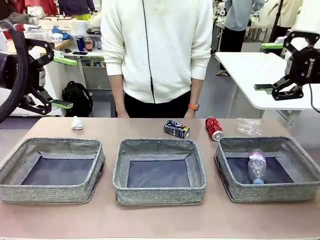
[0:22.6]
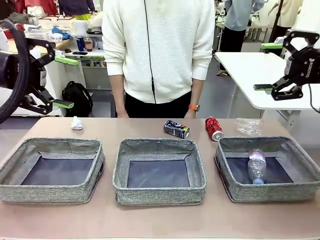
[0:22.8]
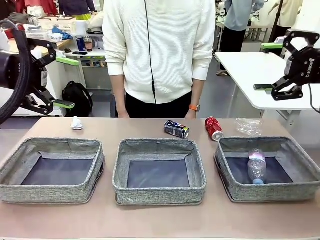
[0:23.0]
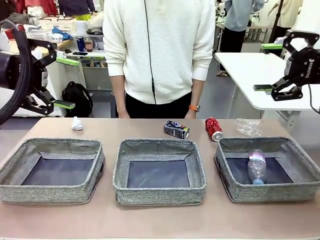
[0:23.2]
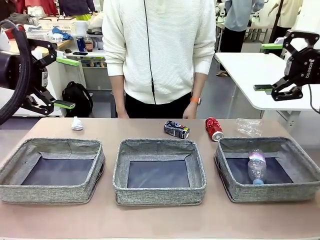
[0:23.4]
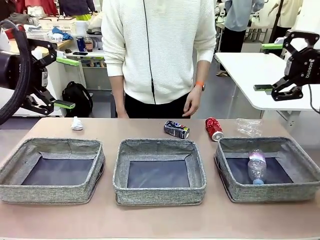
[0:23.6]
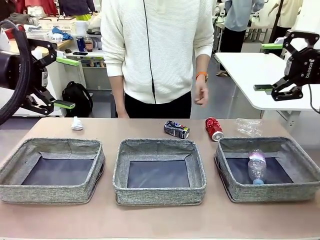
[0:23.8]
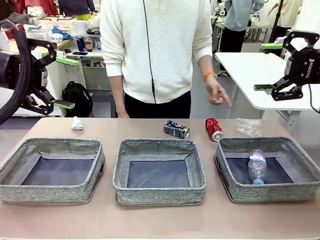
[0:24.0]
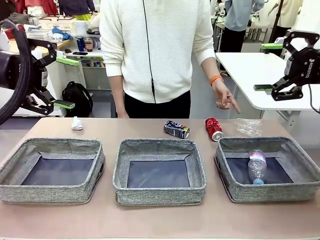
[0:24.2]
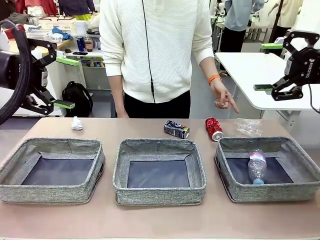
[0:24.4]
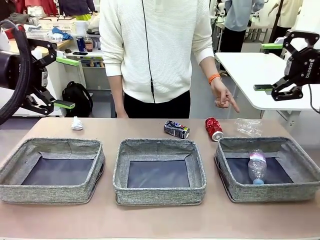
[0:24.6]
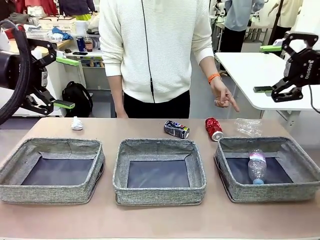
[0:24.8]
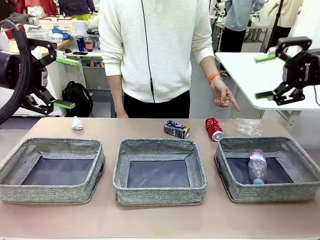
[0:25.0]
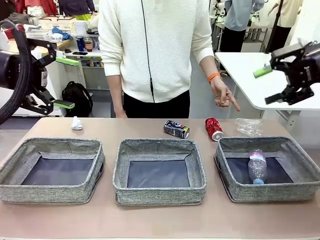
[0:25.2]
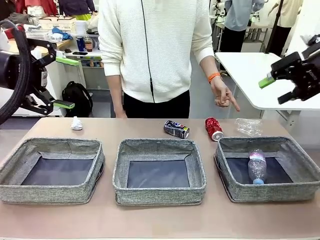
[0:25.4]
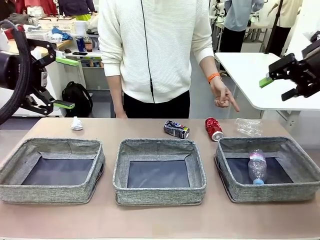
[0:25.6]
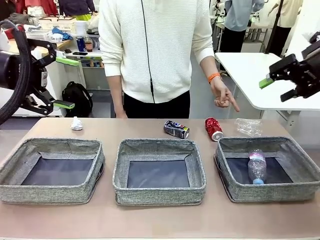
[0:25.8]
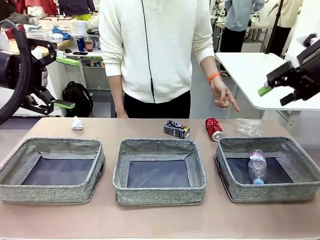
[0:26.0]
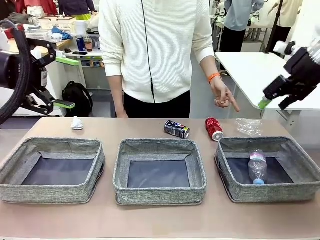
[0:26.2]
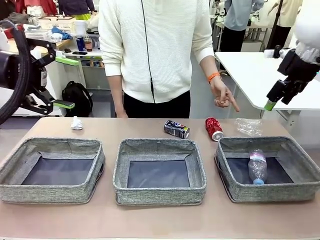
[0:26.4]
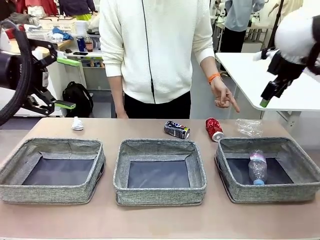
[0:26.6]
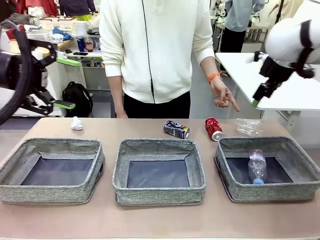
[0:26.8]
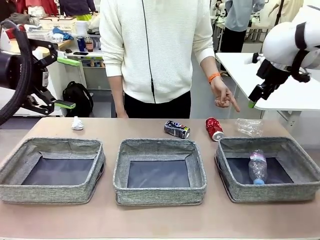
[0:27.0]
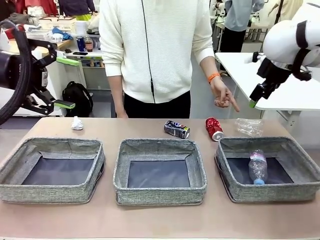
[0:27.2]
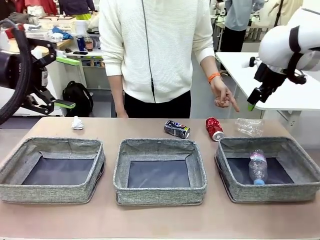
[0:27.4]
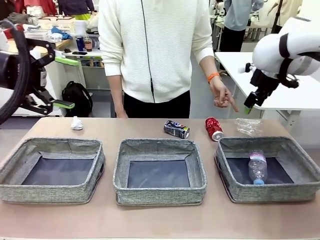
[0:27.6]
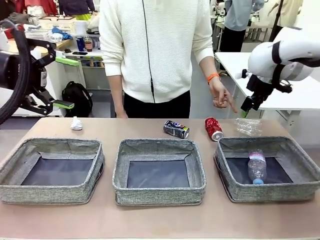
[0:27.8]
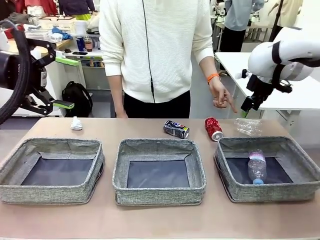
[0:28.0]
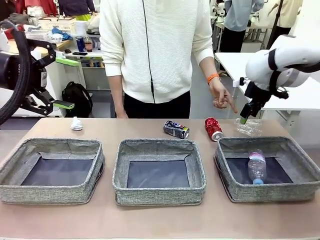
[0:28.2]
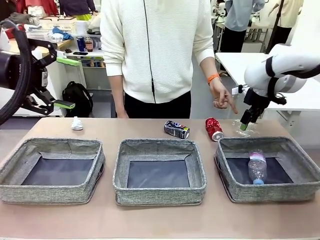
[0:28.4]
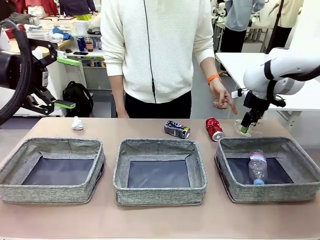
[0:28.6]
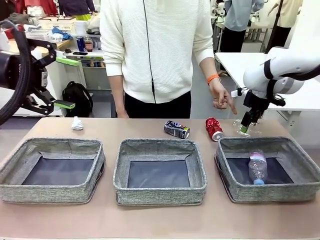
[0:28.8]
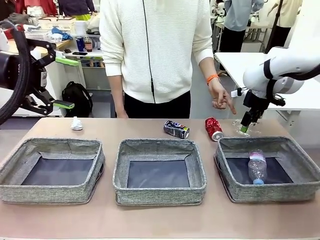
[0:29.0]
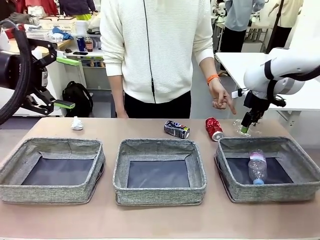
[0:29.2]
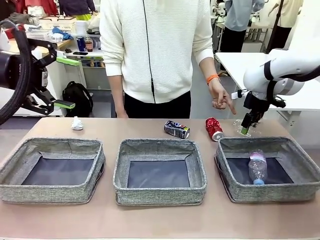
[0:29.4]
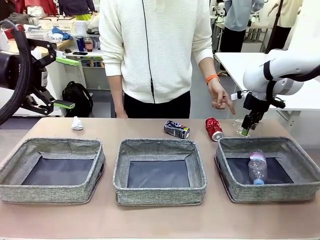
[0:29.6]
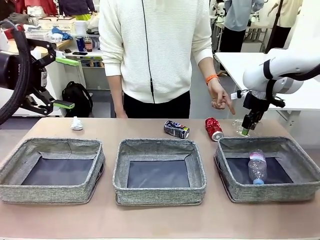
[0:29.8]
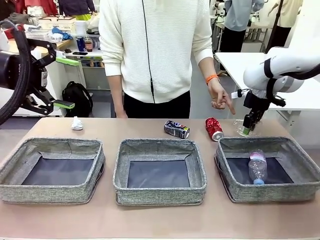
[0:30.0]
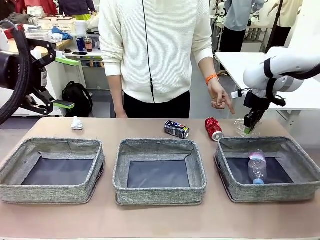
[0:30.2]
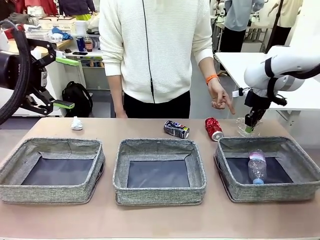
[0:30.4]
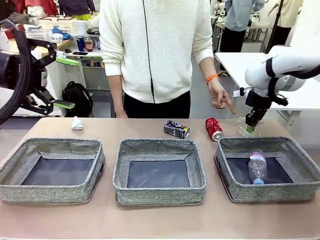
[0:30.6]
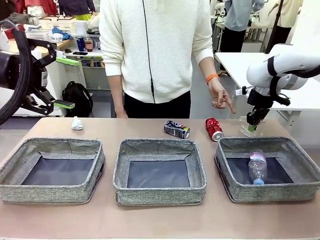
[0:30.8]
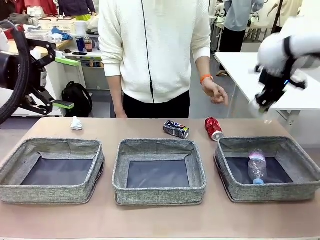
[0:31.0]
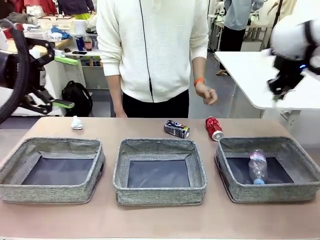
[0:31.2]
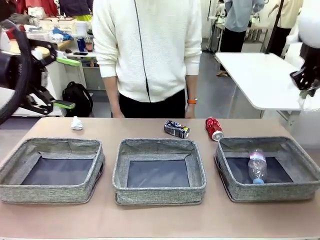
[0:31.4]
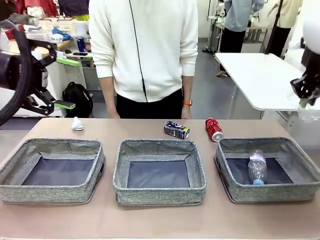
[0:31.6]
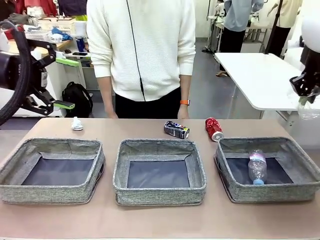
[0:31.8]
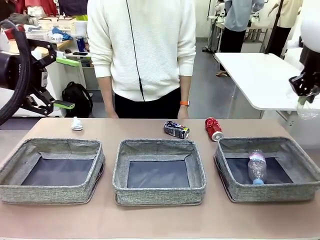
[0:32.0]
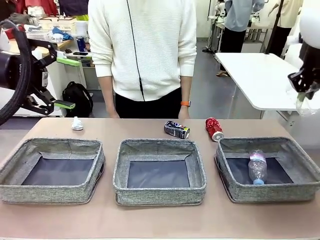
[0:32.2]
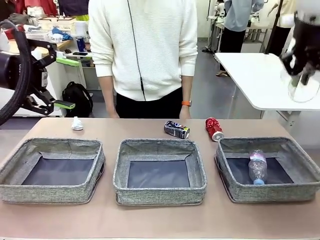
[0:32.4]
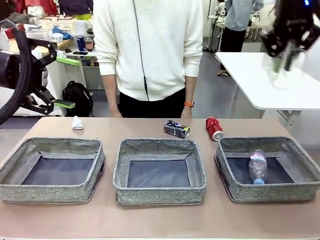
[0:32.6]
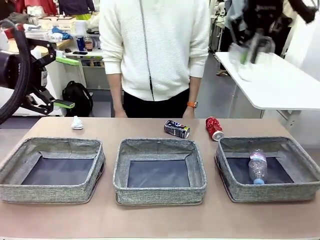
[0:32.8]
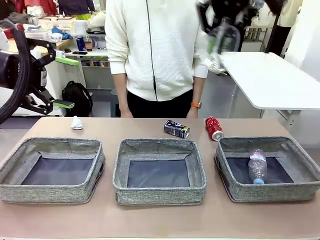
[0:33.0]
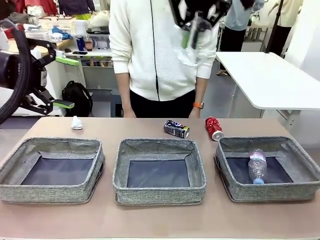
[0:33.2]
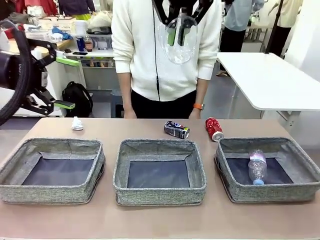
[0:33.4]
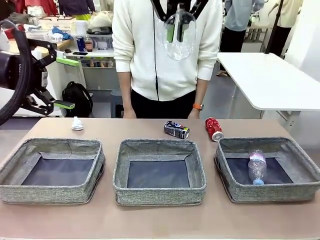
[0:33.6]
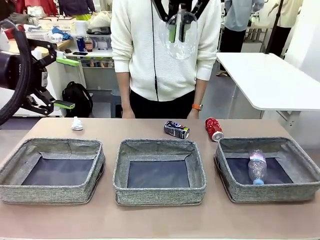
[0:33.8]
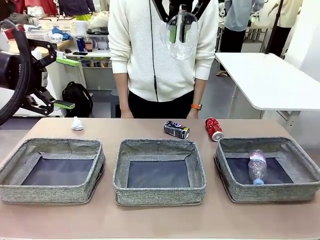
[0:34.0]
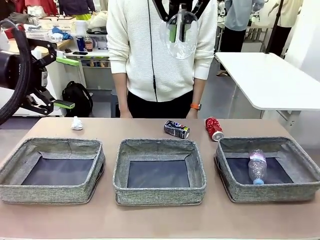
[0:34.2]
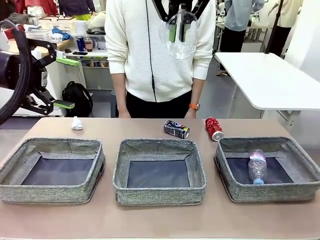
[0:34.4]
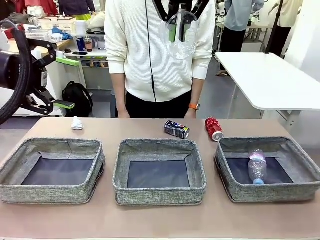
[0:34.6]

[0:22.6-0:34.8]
Task: Sort the waste into the appropriate baskets.
Robot: Pick up the waste item pointed out by the person.
Person: Points to one piece of trash on the table.

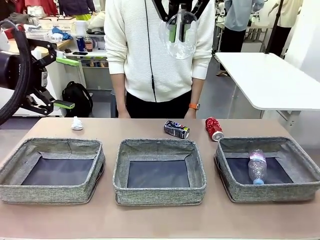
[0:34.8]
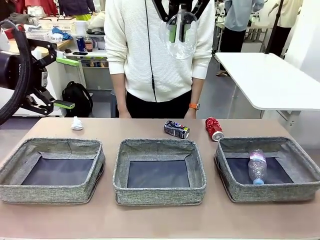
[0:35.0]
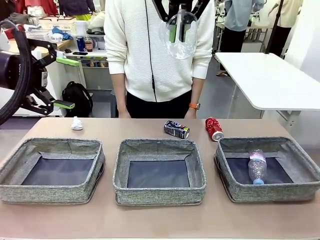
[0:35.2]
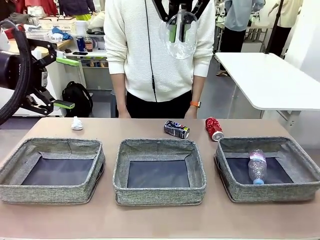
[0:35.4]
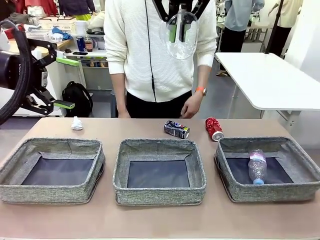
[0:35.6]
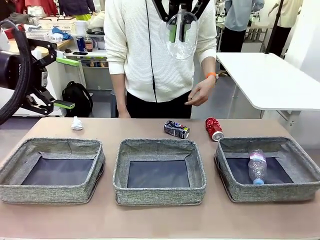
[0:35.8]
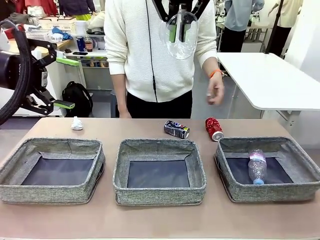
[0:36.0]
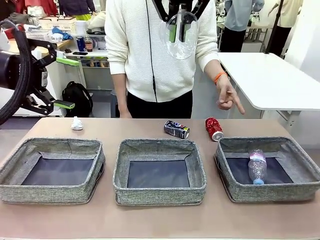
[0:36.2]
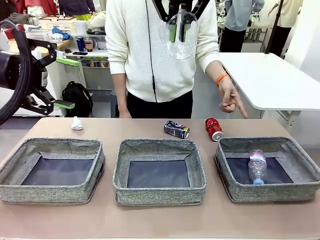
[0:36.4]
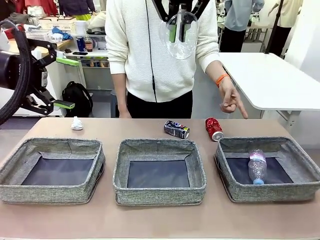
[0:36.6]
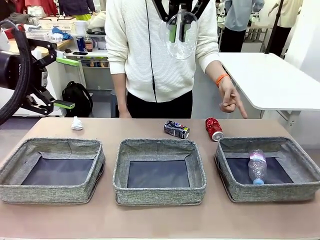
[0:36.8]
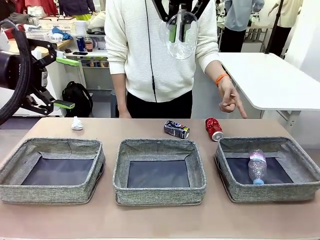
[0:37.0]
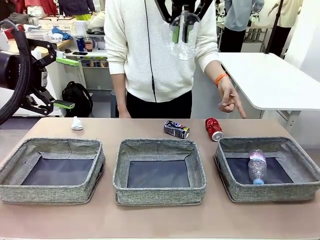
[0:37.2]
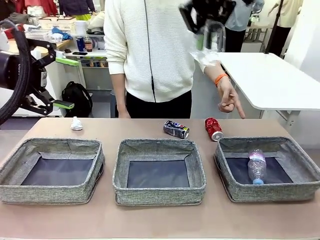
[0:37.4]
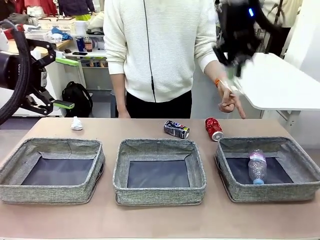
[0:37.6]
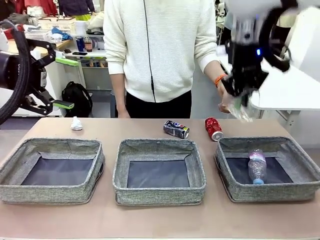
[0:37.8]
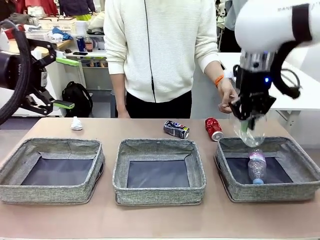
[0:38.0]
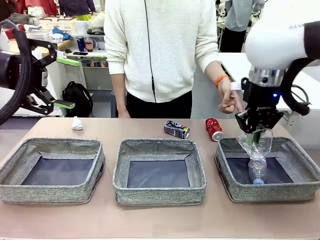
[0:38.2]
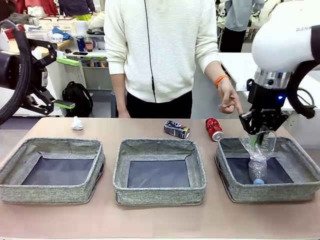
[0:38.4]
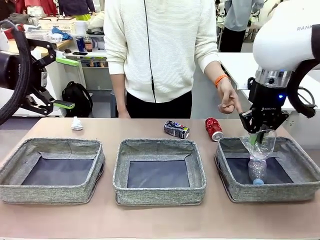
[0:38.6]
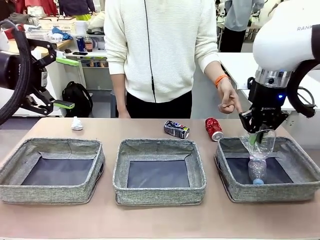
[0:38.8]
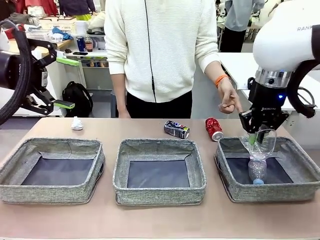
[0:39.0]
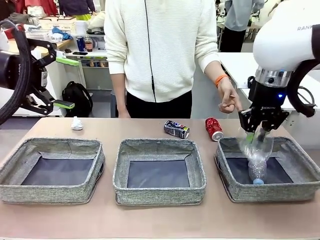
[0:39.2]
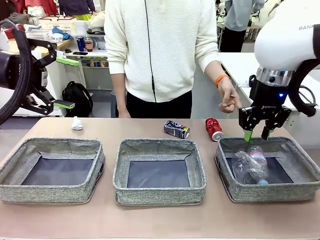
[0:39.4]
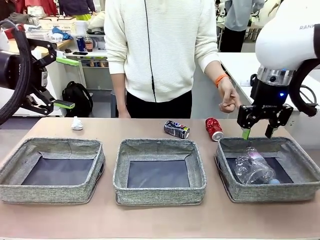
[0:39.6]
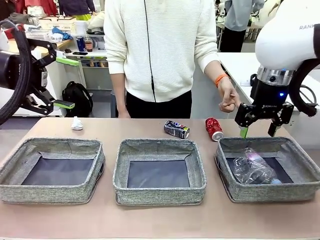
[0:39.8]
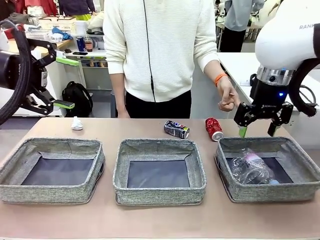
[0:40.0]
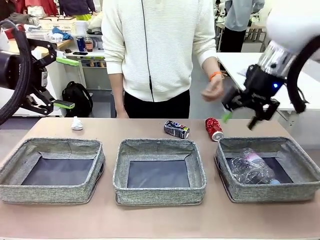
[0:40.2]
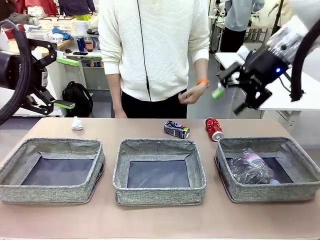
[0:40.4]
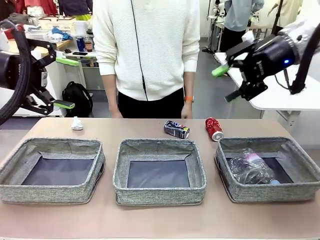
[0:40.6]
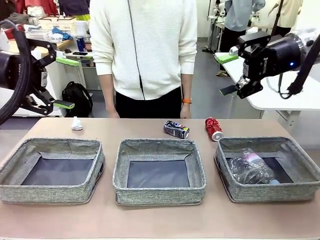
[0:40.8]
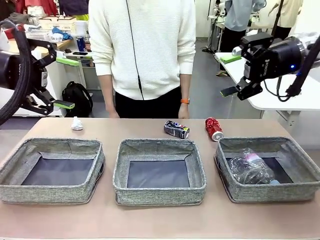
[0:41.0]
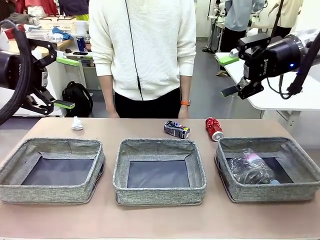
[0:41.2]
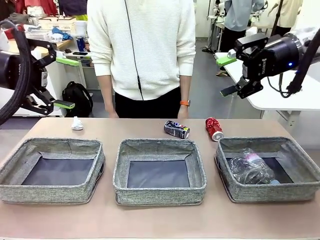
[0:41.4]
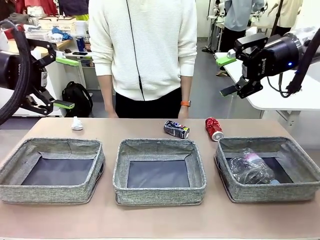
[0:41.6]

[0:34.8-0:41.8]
Robot: Place the picked waste into the Fabric basket indicated by the person.
Person: Instructs the robot to place the picked-up trash into the appropriate organizing basket.
